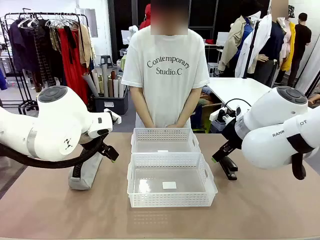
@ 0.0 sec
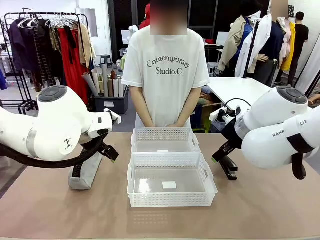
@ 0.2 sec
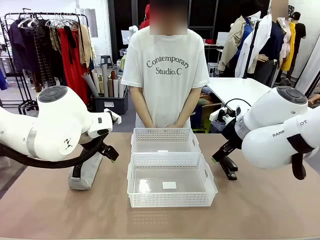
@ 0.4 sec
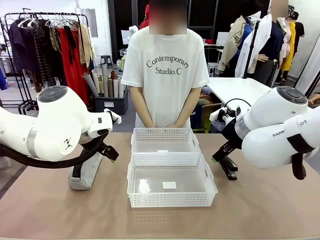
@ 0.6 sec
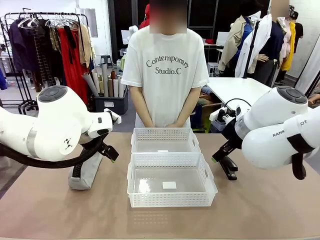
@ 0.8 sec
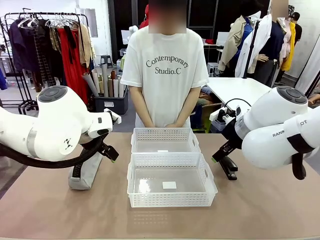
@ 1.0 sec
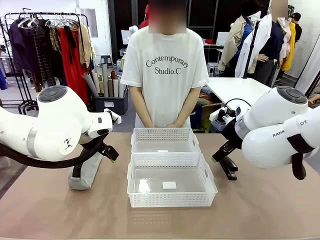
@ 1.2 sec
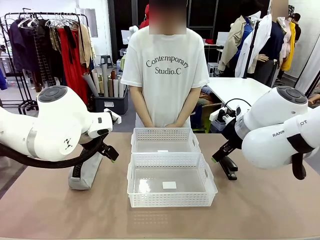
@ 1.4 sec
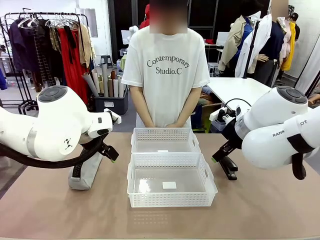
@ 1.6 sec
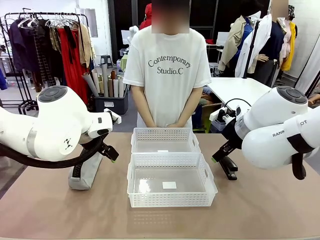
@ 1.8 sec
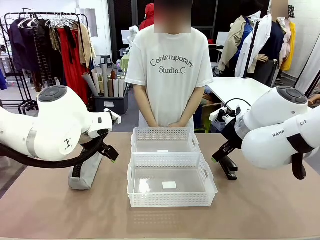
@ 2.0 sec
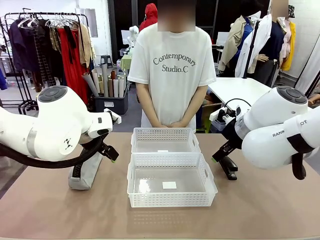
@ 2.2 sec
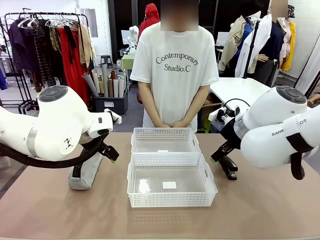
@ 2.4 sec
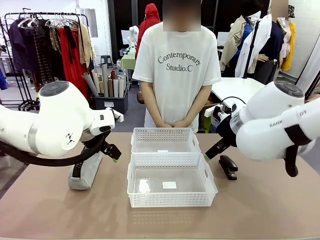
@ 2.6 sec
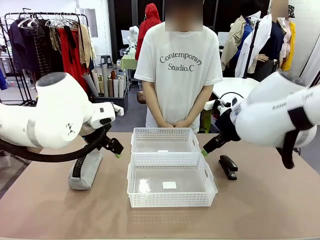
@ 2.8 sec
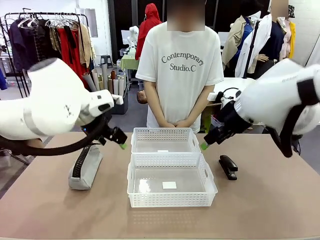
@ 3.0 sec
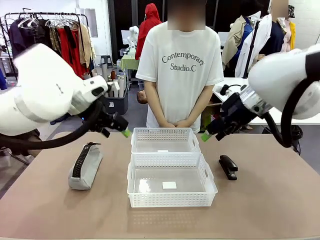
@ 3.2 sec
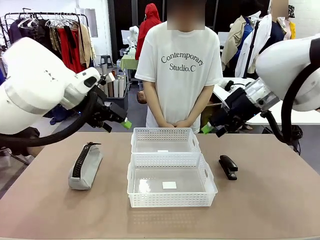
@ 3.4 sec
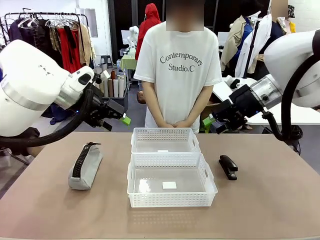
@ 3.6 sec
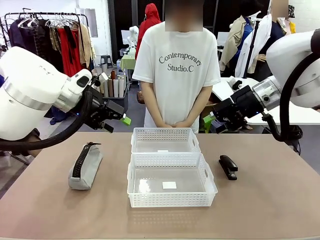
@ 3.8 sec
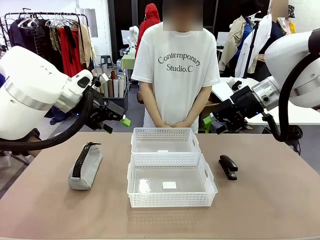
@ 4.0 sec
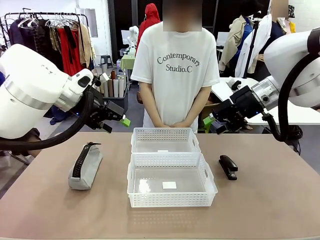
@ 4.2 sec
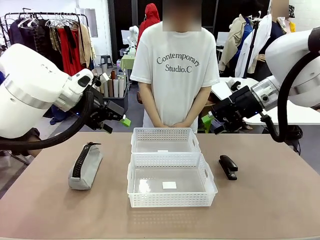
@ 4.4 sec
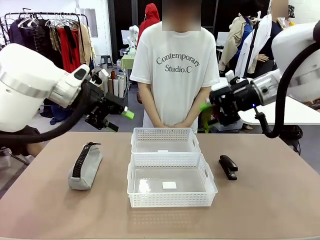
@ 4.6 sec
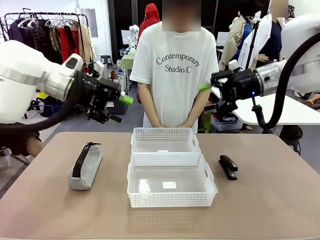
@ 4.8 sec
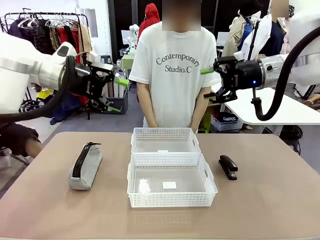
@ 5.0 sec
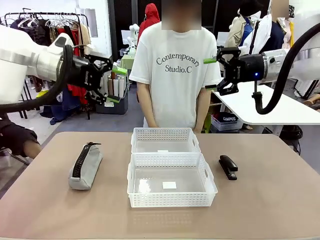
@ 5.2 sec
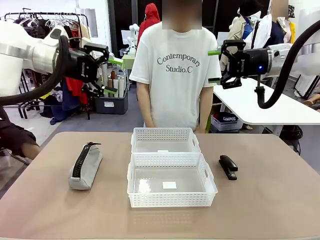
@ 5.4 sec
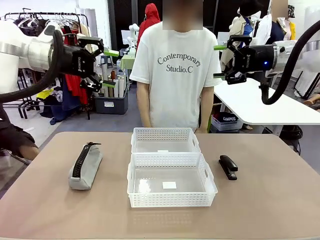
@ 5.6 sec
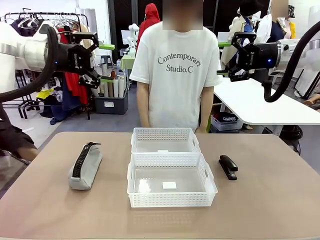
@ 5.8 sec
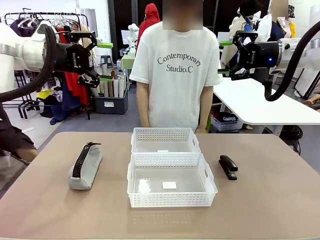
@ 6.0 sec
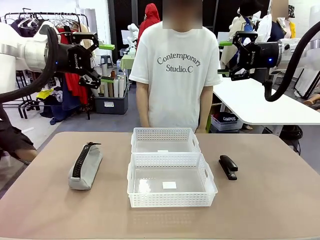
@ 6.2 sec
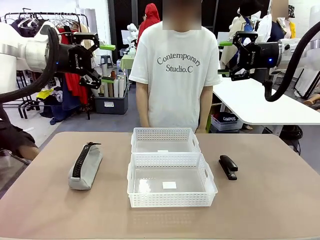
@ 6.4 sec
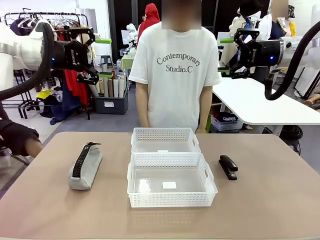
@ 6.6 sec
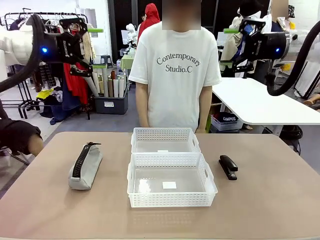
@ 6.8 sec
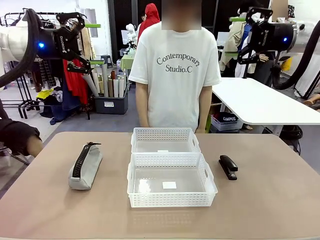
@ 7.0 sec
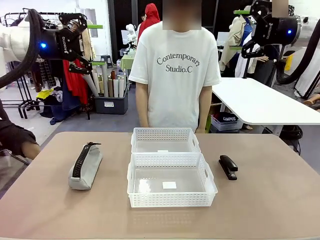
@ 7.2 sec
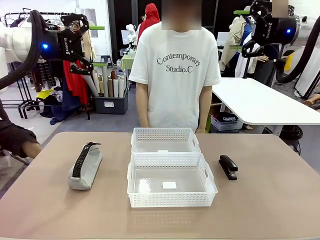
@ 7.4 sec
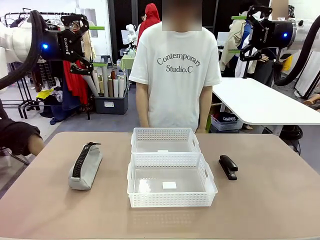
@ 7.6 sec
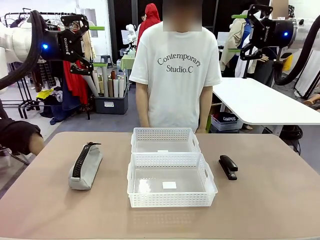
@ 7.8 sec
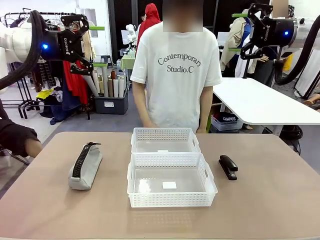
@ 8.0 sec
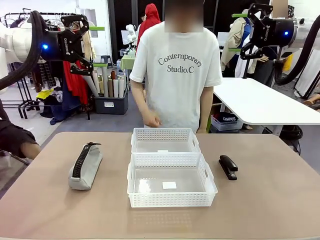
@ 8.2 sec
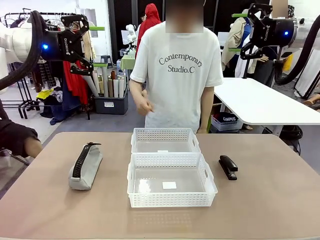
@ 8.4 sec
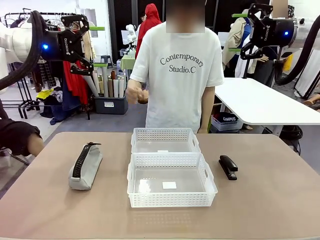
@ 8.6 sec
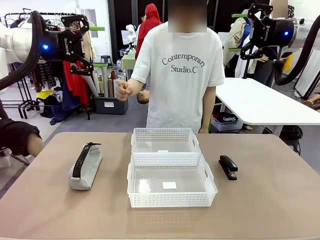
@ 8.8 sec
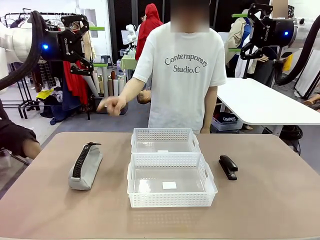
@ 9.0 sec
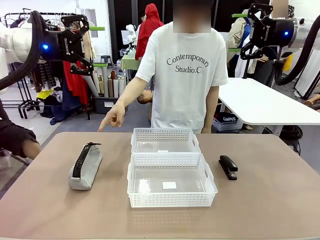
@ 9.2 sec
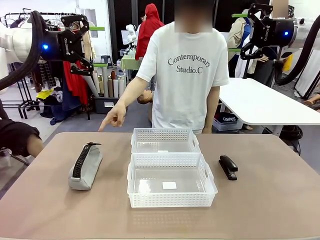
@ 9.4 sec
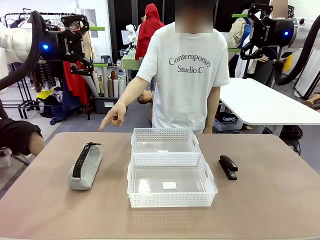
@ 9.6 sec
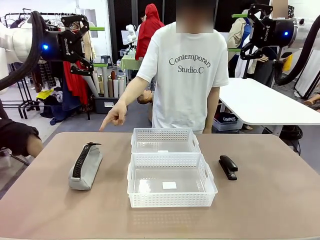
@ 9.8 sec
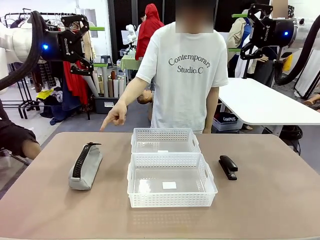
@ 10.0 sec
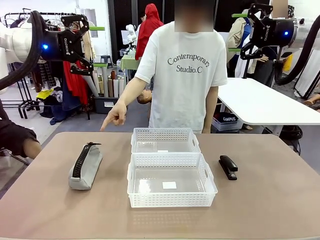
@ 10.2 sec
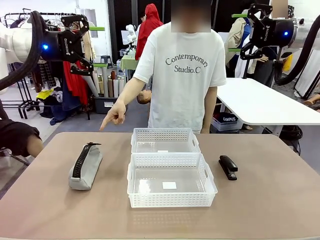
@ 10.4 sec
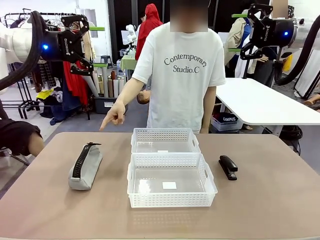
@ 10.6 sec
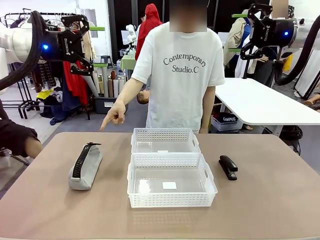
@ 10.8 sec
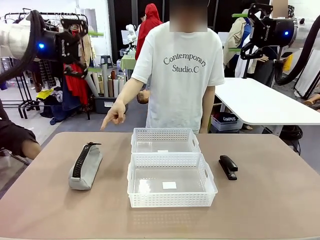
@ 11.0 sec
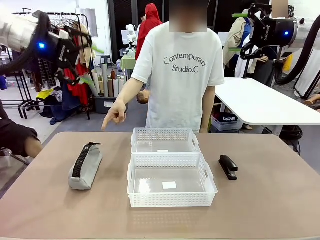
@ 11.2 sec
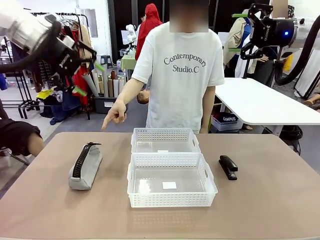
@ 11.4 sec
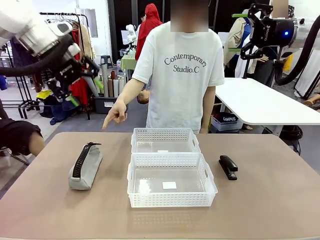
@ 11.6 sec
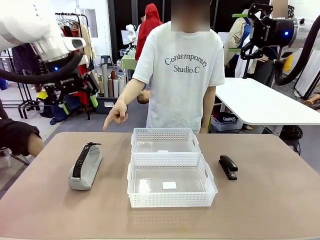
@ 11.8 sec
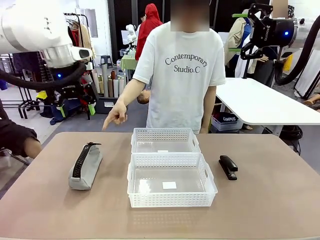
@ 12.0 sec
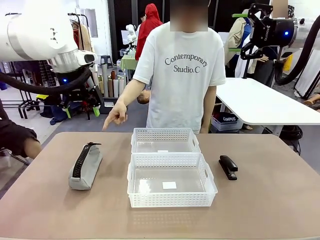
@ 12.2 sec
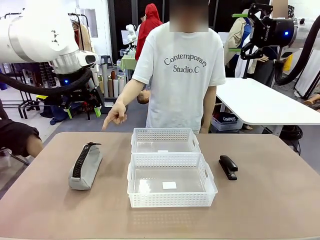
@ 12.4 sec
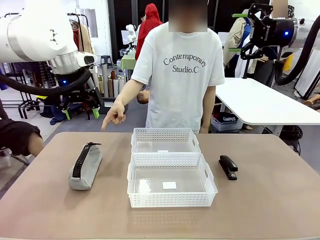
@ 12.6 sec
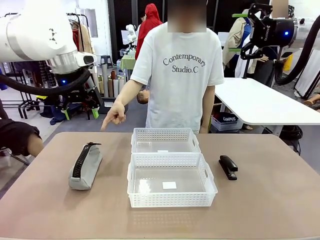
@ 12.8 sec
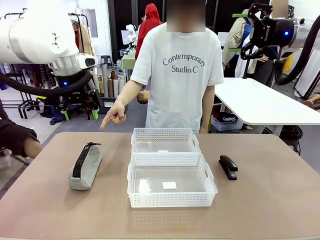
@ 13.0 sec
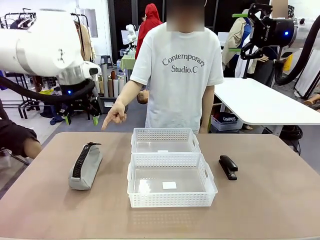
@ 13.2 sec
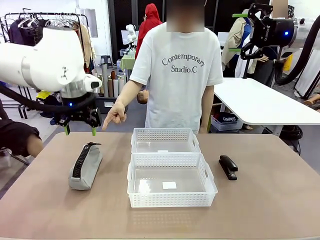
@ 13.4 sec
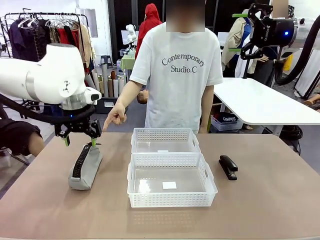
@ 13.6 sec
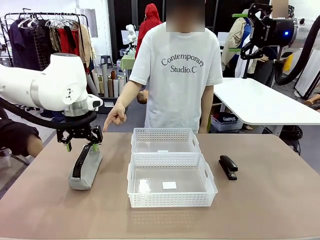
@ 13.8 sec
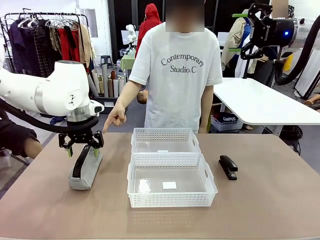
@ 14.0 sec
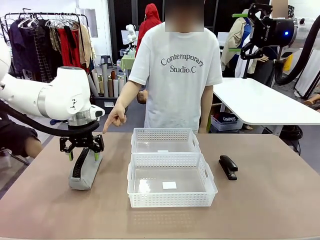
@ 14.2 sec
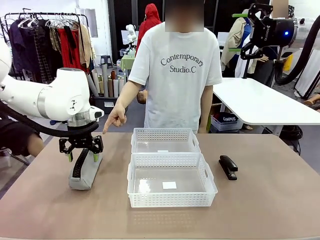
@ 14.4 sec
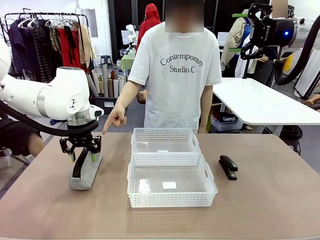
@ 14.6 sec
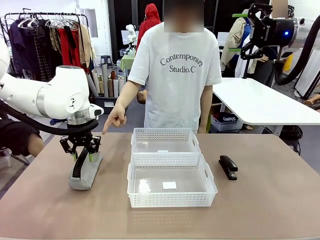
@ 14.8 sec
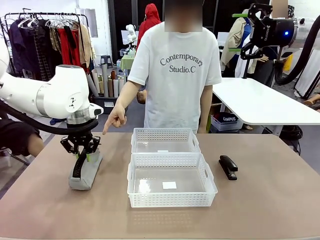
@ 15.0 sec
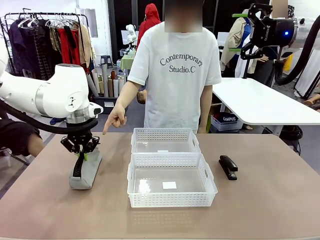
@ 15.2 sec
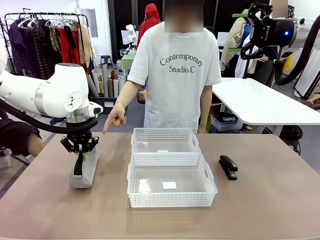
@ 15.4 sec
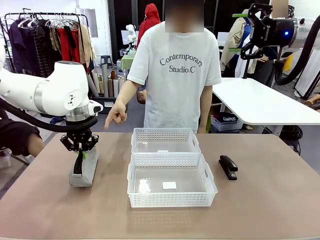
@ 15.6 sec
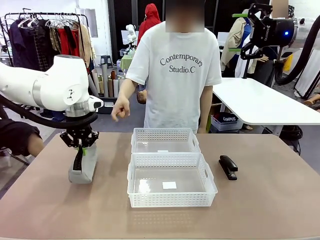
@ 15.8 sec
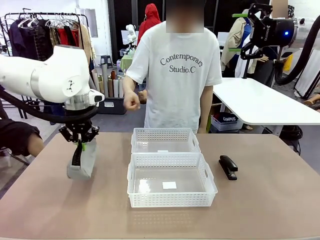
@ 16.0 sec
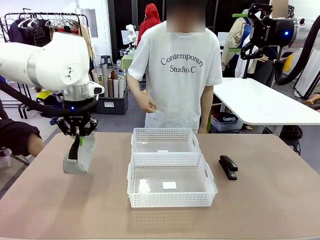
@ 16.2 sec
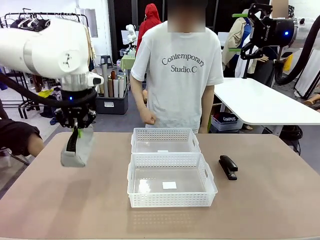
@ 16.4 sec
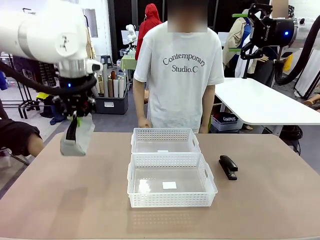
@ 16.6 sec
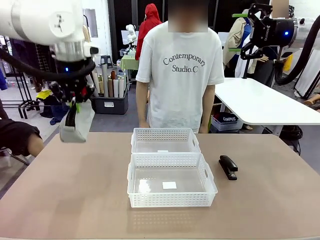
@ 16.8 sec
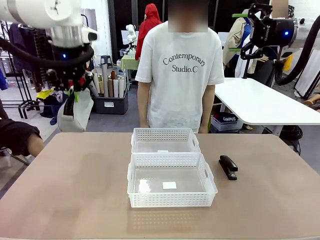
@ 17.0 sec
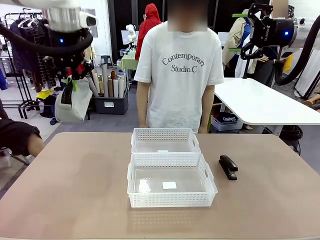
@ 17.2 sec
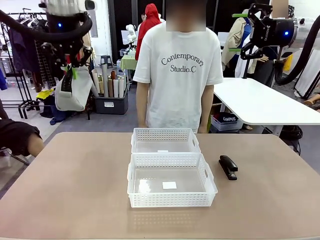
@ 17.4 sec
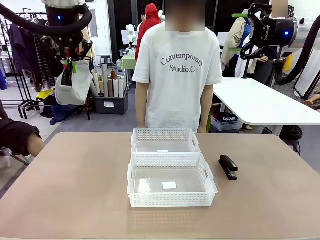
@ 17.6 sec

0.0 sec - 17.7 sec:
Task: Distribute items into two baskets.
Robot: Pick up the Pencil pouch that the person points to.
Person: Points to the pencil case. Points between the two organizing baskets and instructs the robot to move the pencil case.

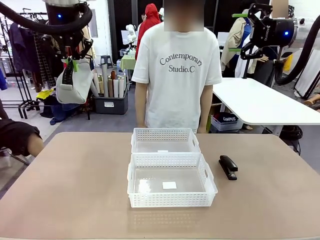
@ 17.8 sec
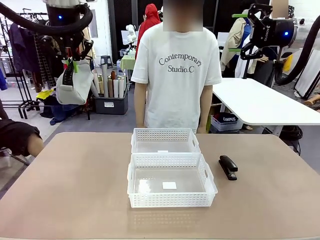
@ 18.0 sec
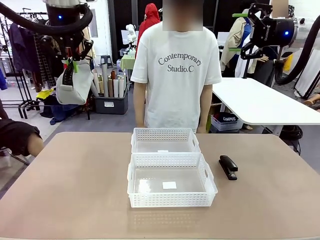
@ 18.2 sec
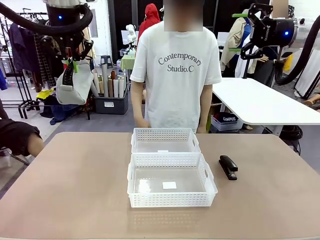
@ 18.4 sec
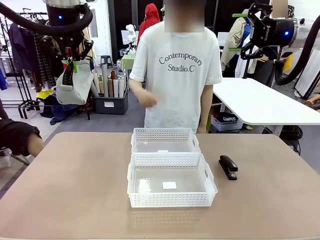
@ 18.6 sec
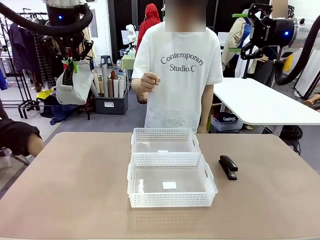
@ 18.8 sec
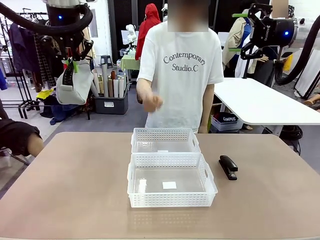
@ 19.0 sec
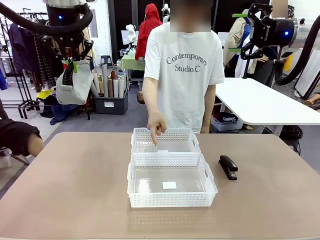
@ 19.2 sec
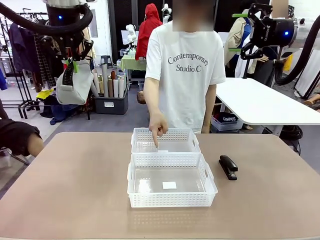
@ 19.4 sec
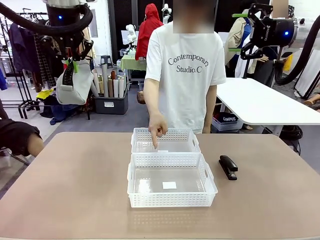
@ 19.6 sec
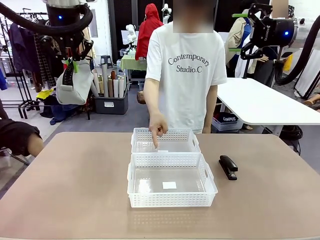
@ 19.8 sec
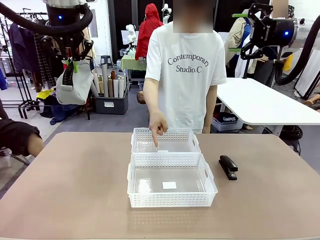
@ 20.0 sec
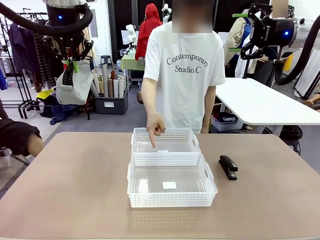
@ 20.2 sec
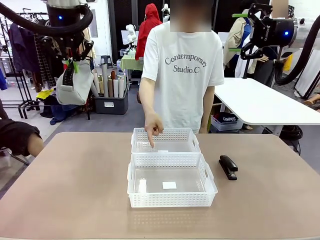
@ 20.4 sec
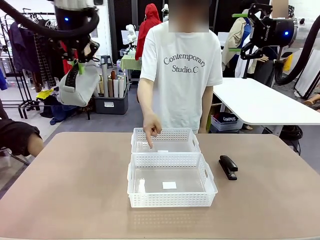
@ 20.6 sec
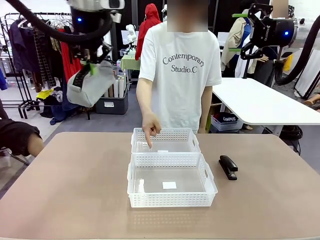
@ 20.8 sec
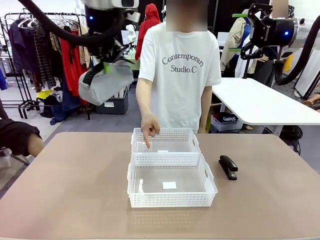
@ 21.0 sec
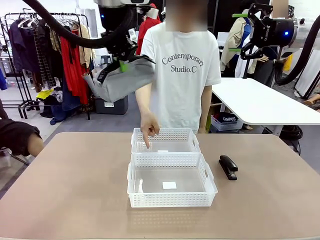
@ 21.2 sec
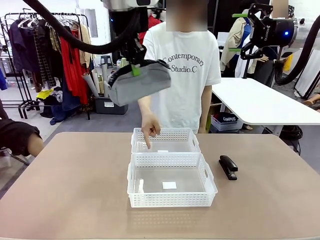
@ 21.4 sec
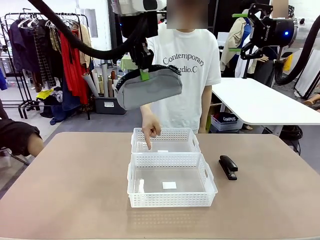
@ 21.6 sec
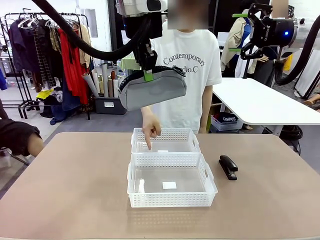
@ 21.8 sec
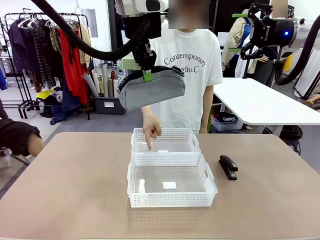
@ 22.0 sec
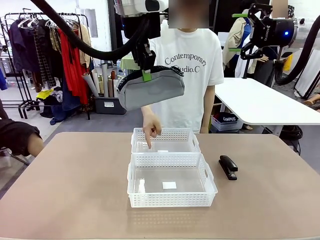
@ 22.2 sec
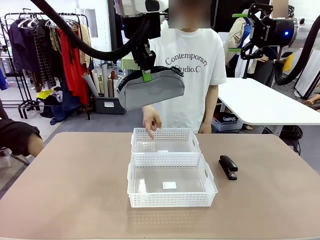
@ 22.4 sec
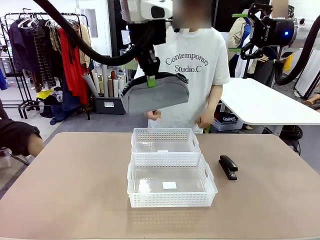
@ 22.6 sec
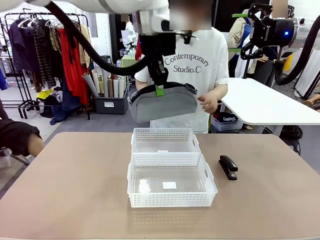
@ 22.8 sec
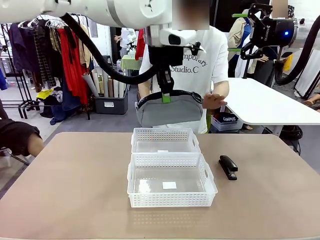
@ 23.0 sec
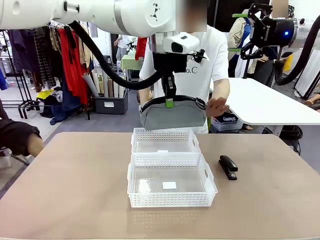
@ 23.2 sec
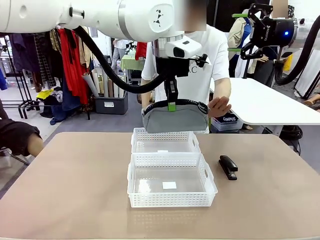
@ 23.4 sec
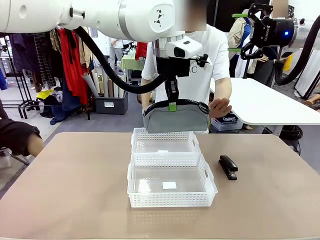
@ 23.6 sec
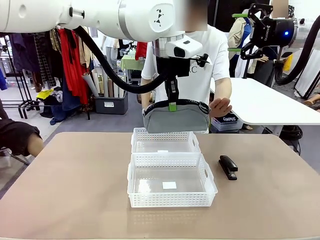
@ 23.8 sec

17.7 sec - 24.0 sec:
Robot: Move the picked Pencil pouch towards the Organizing basket indicated by the person, stopping as directed.
Person: Sends a stop gesture before the robot places the pencil case into the basket.
